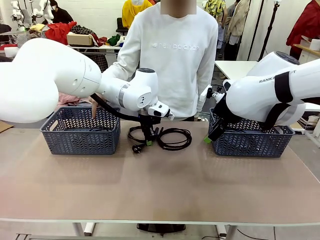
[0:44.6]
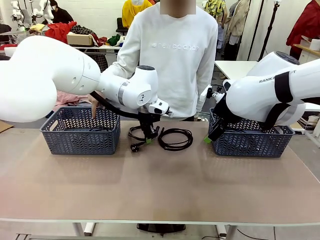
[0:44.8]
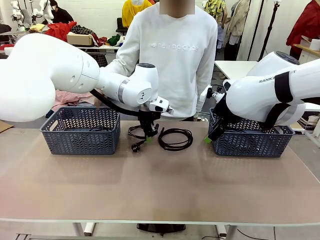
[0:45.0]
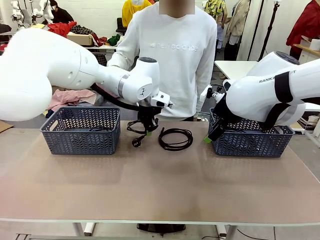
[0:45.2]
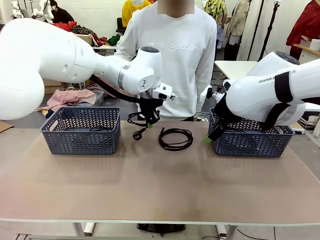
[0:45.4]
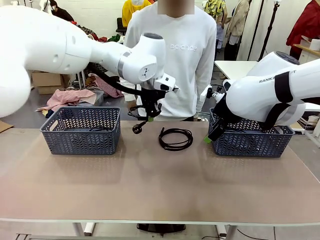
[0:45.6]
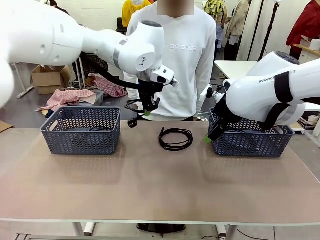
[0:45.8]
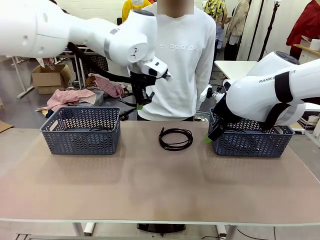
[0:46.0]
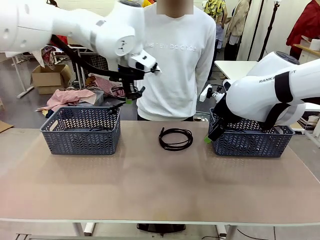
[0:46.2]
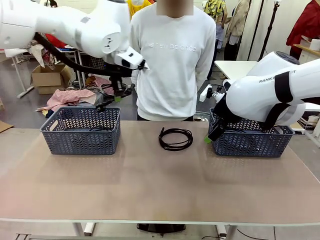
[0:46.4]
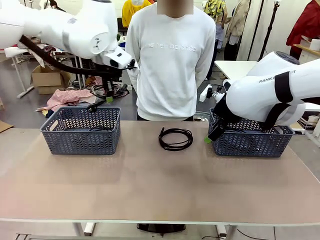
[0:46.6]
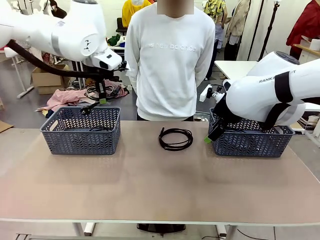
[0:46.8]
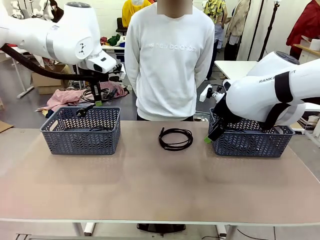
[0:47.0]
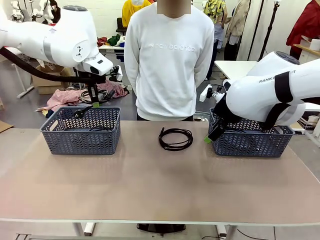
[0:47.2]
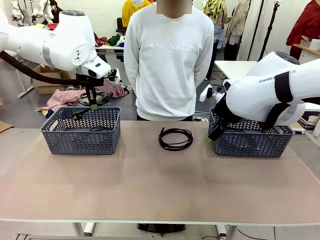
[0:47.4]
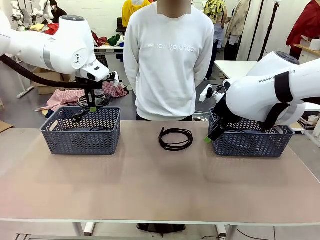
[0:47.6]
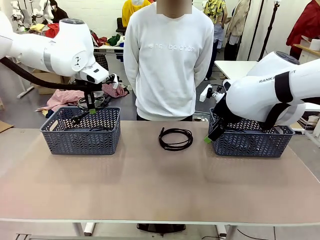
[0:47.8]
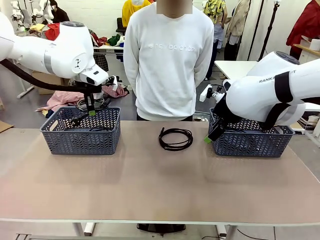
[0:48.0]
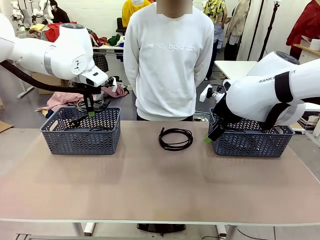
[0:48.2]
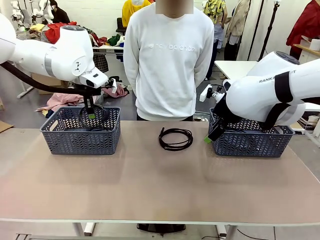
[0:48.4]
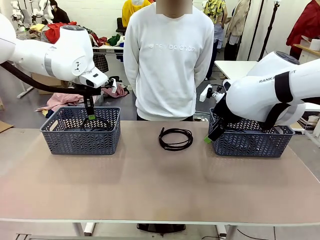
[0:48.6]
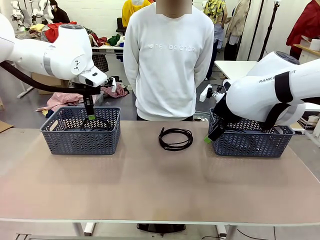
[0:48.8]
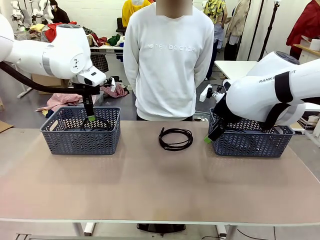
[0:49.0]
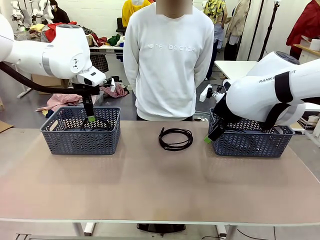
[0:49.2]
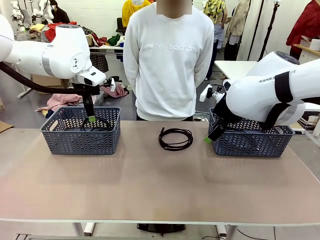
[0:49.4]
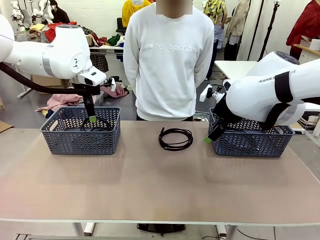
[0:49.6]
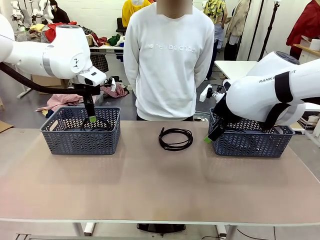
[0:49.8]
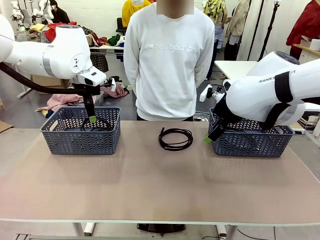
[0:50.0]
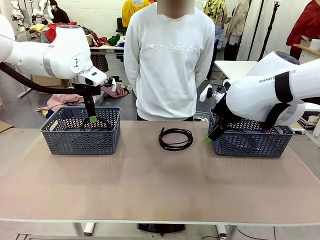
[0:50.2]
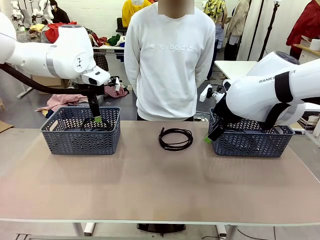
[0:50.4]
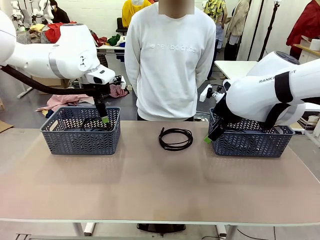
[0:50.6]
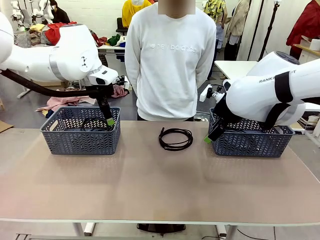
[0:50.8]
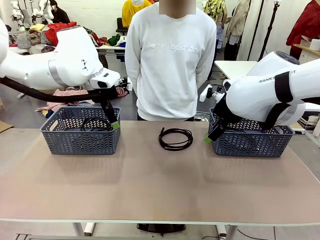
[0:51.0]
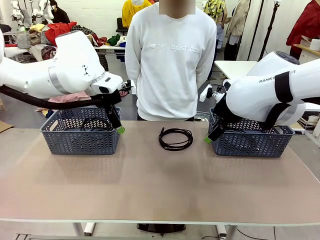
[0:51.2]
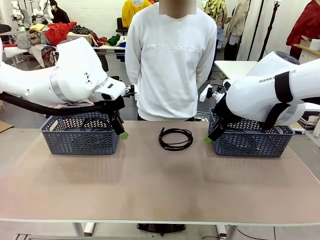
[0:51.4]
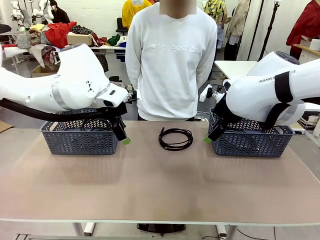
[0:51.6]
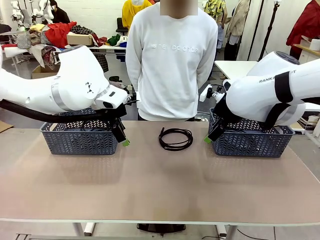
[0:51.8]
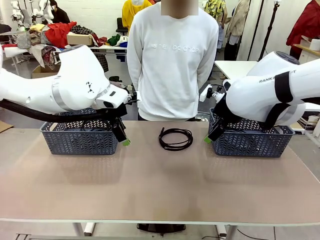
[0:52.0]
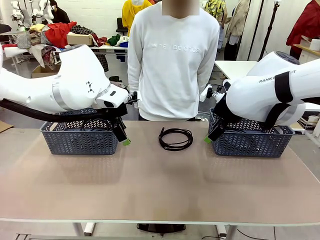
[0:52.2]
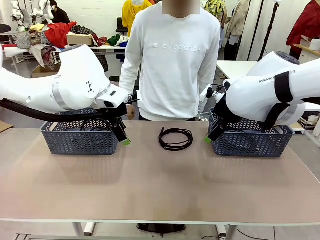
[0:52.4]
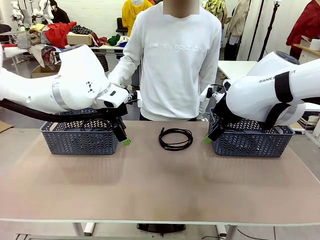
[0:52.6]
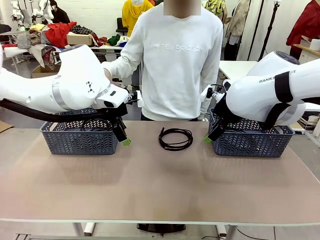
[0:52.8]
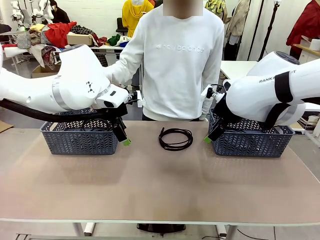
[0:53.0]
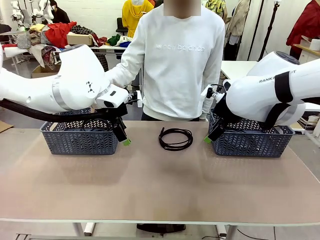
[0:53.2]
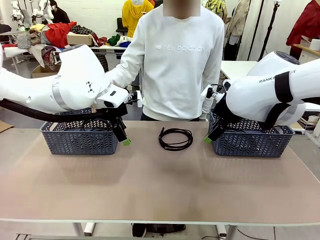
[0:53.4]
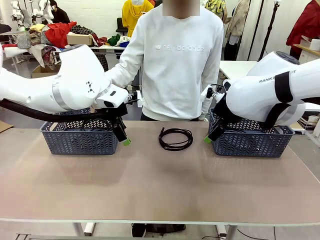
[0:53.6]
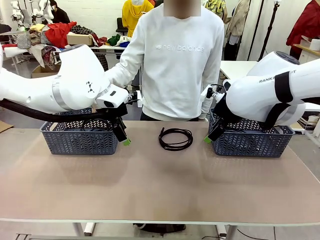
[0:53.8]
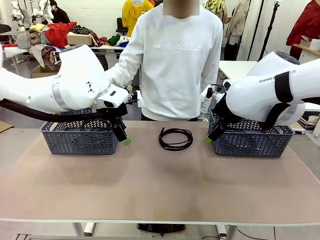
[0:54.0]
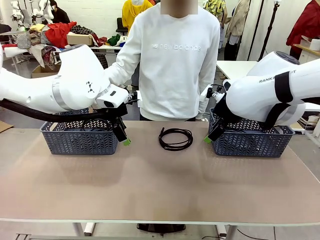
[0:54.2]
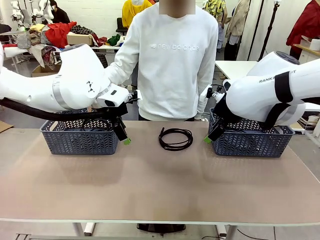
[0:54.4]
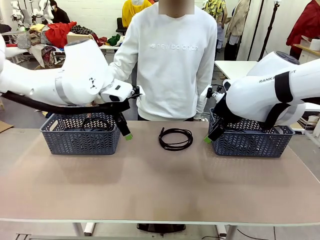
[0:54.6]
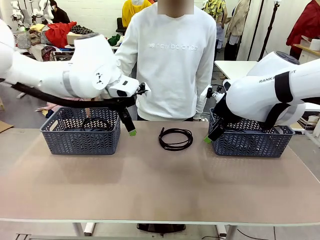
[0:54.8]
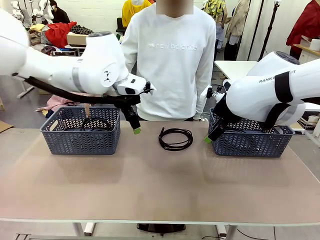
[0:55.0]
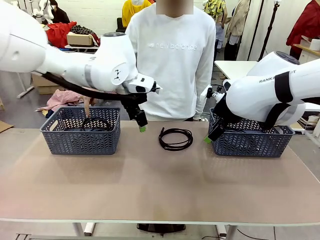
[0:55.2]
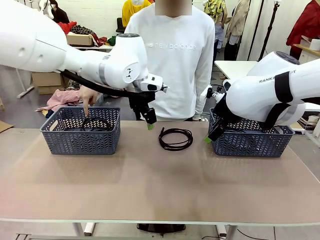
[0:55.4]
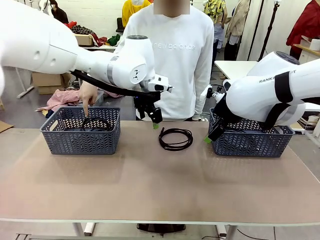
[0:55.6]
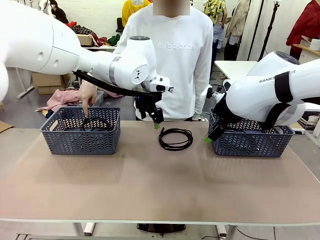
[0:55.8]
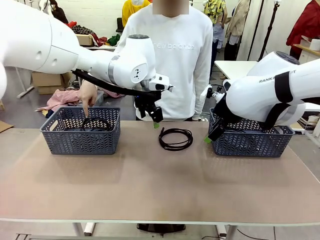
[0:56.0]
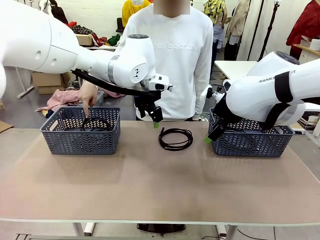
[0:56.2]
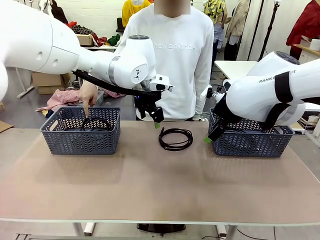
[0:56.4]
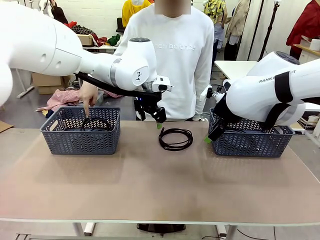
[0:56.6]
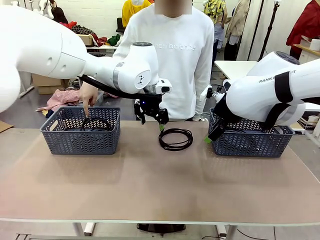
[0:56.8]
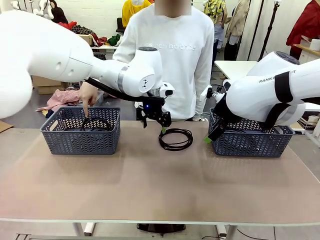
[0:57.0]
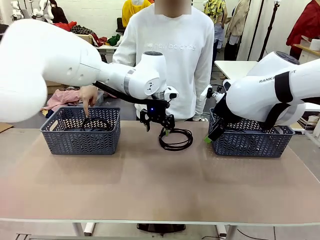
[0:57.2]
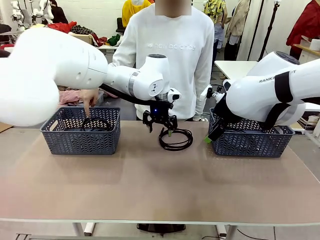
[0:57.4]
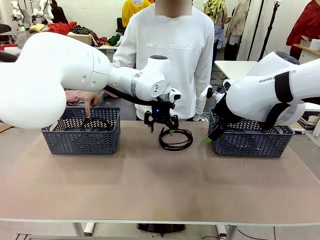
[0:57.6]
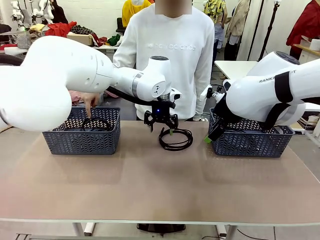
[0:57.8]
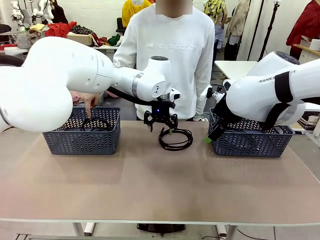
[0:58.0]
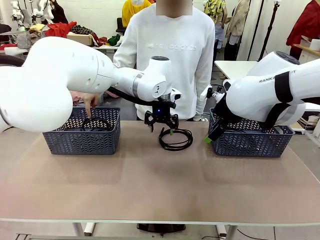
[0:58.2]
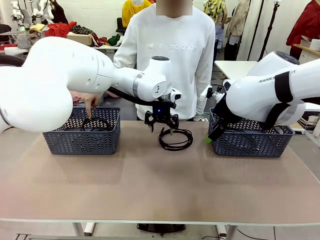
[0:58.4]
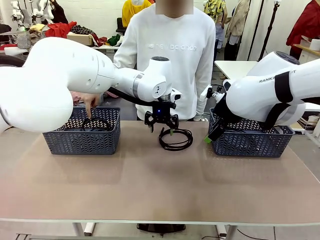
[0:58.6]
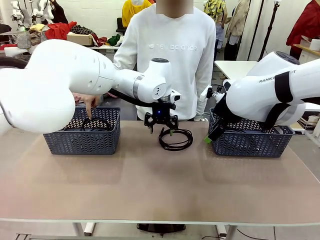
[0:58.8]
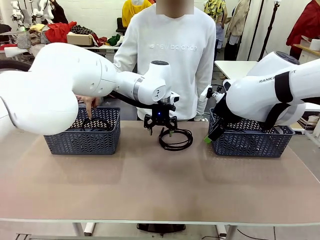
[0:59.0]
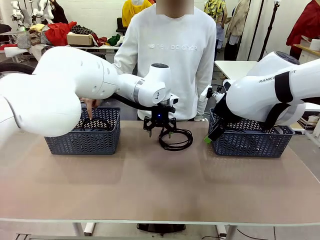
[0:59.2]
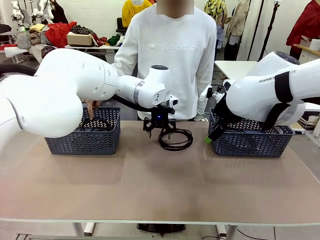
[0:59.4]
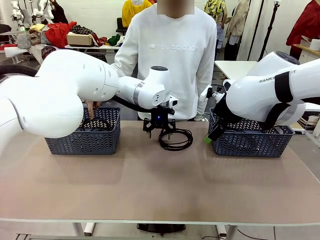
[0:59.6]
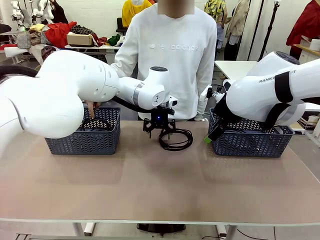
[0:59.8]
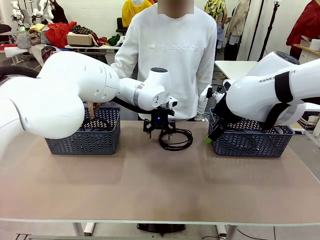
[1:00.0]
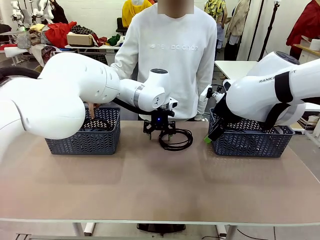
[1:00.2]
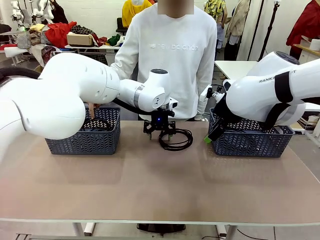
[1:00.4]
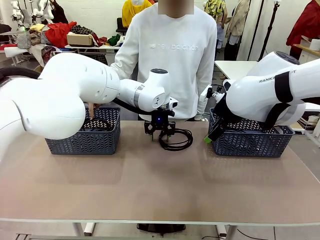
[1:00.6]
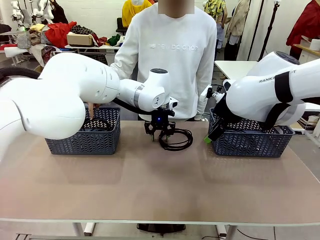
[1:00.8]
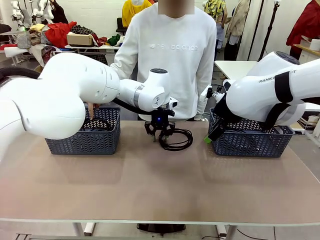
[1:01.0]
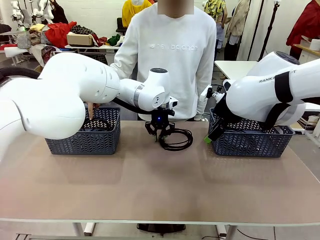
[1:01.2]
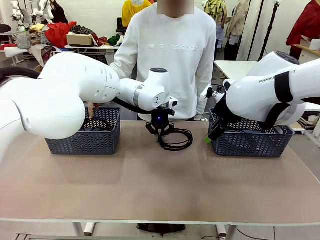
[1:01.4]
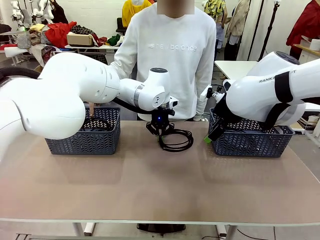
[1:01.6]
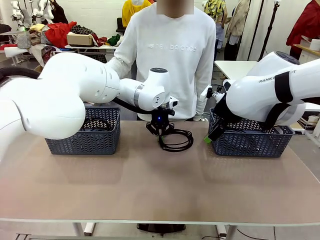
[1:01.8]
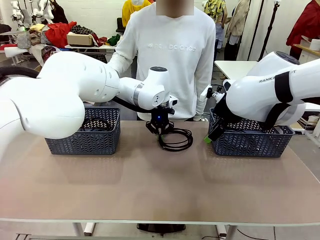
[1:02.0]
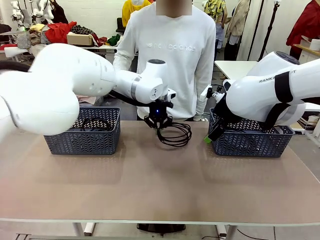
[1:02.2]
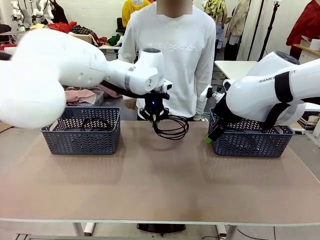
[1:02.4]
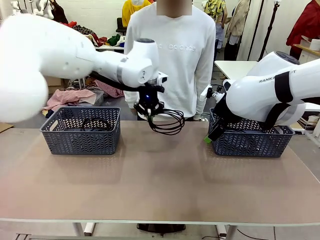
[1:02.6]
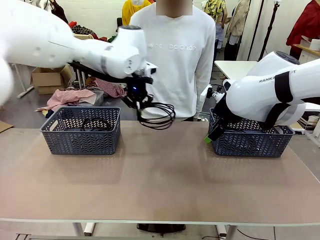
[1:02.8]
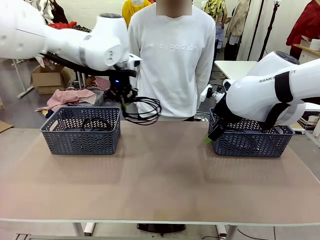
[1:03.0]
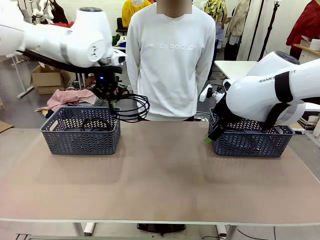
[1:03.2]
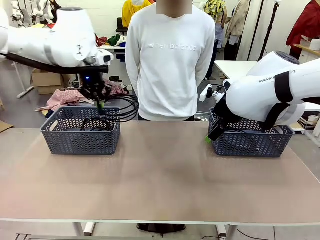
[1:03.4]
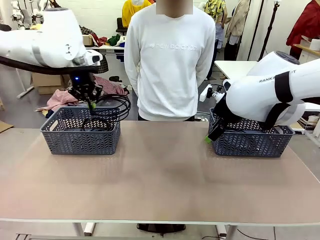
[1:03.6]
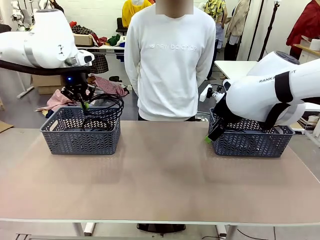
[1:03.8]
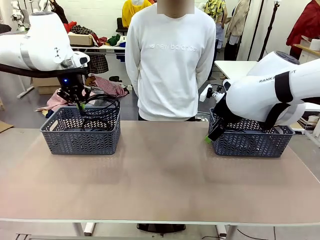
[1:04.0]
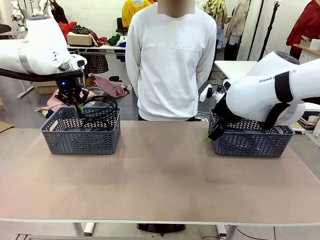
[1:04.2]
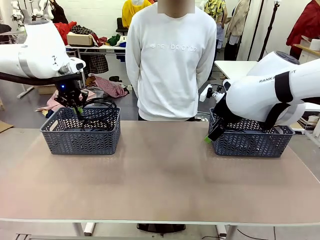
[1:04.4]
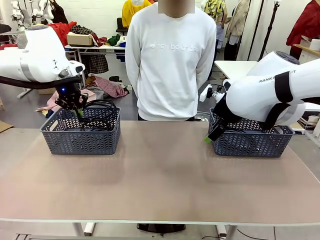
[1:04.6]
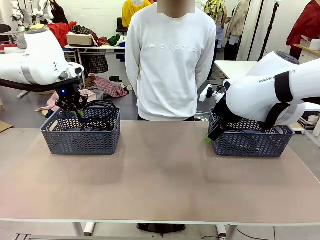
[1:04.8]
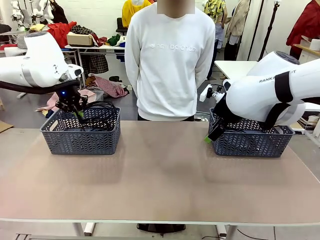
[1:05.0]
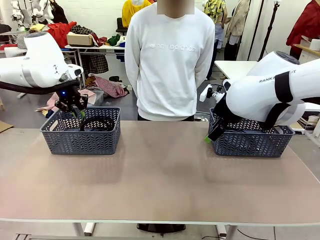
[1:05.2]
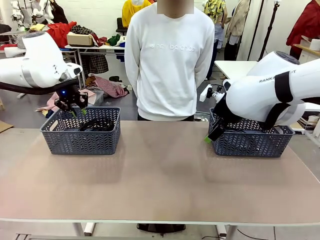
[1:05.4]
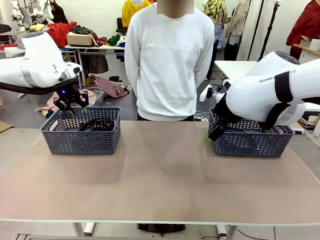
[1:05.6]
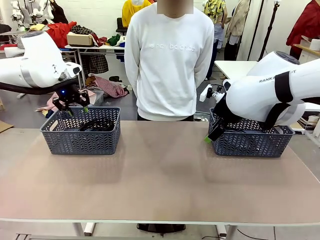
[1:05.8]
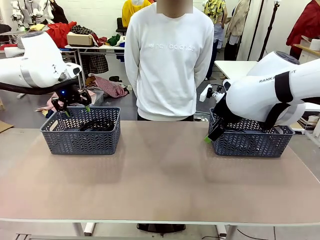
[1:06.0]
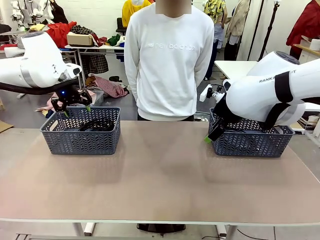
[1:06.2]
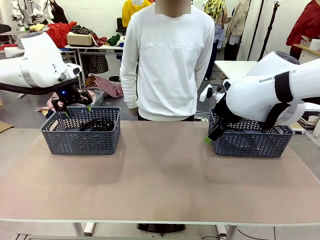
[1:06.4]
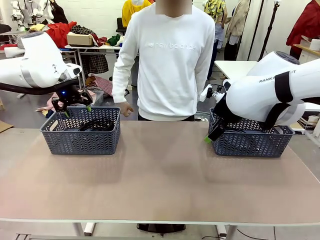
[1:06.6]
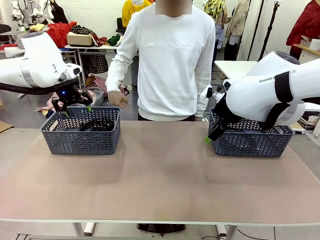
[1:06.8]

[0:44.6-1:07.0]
Task: Organize the cables according to human instructions.
Robot: Pick up a bundle of cables and place it in the basket indicated by the human.
